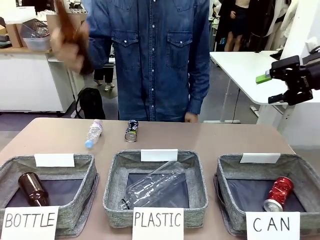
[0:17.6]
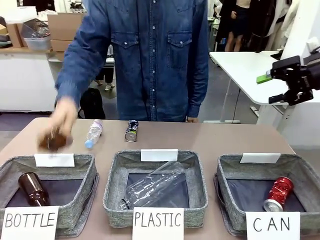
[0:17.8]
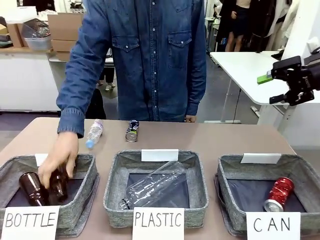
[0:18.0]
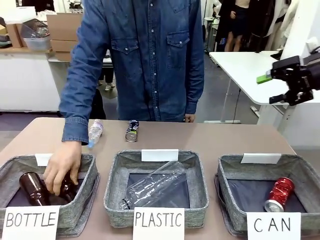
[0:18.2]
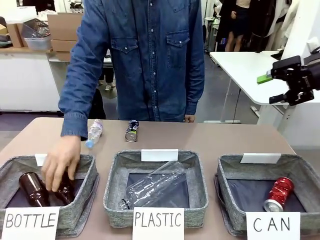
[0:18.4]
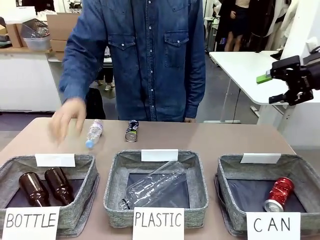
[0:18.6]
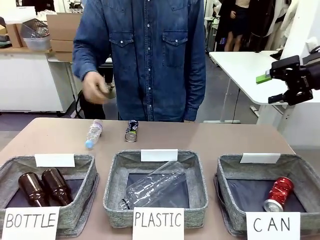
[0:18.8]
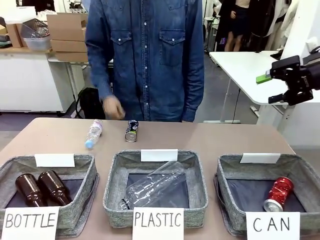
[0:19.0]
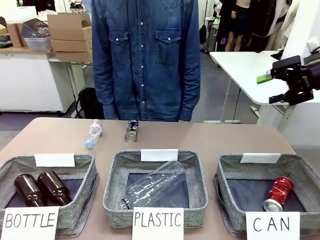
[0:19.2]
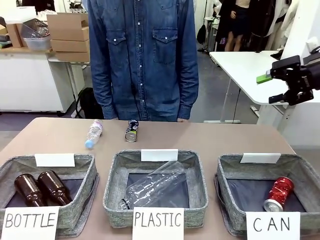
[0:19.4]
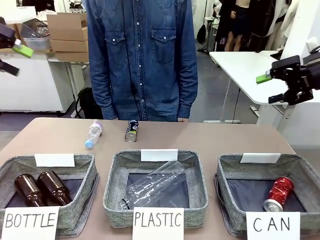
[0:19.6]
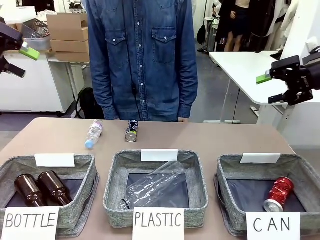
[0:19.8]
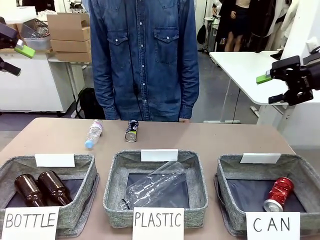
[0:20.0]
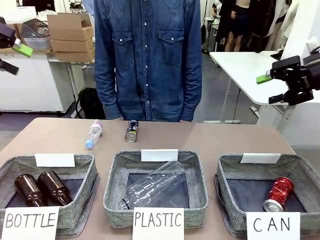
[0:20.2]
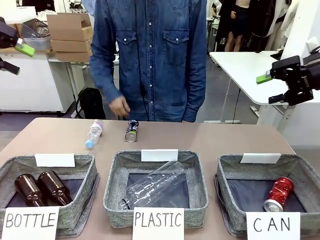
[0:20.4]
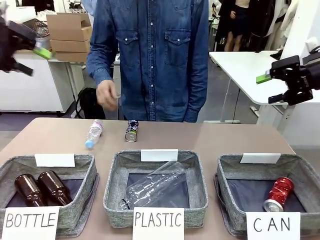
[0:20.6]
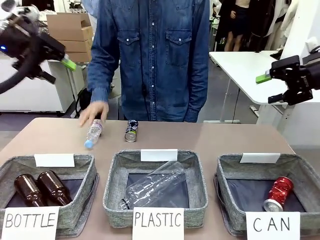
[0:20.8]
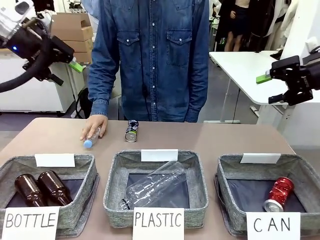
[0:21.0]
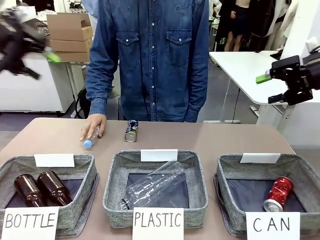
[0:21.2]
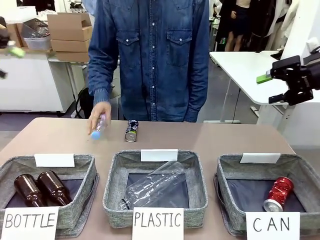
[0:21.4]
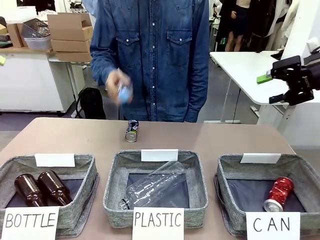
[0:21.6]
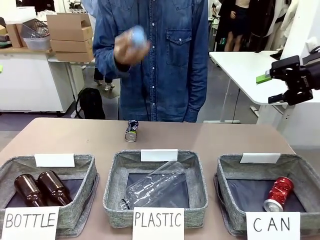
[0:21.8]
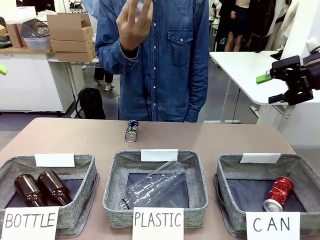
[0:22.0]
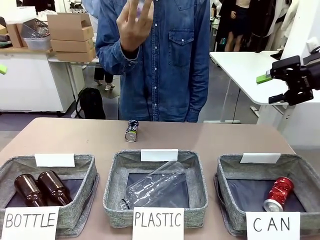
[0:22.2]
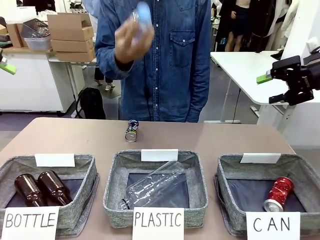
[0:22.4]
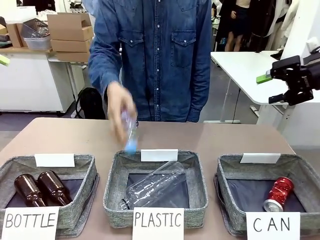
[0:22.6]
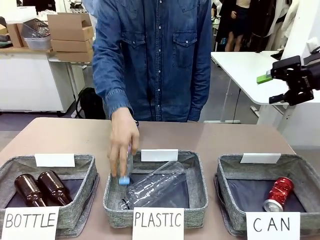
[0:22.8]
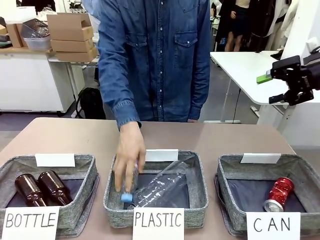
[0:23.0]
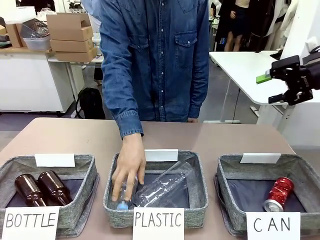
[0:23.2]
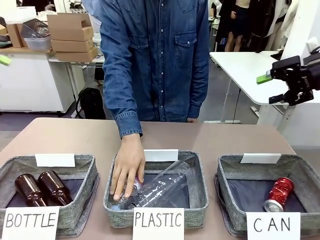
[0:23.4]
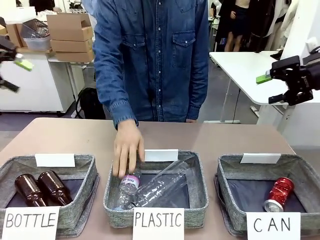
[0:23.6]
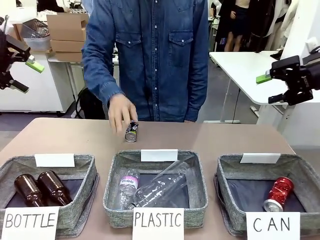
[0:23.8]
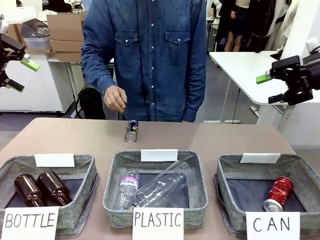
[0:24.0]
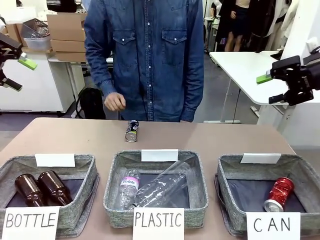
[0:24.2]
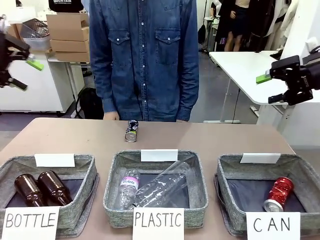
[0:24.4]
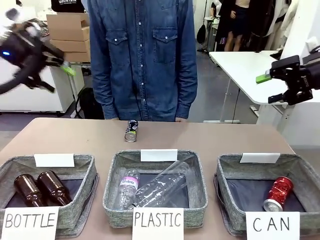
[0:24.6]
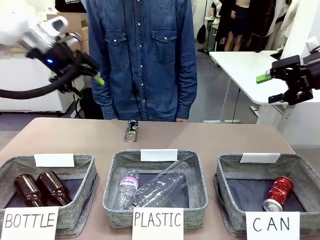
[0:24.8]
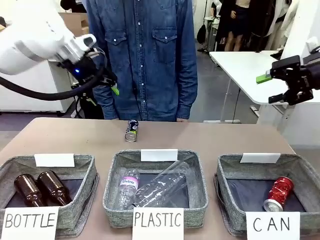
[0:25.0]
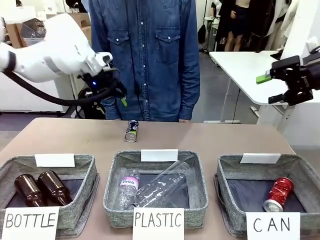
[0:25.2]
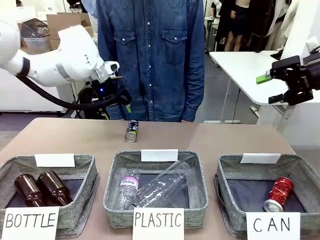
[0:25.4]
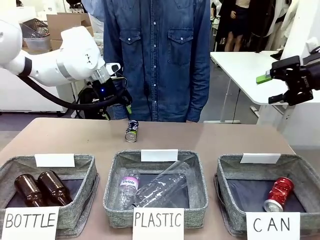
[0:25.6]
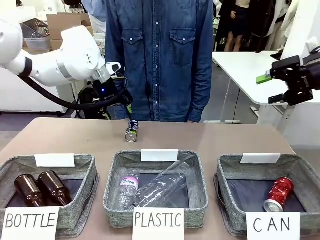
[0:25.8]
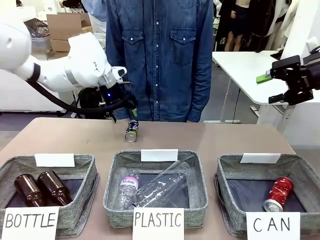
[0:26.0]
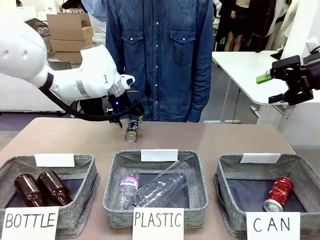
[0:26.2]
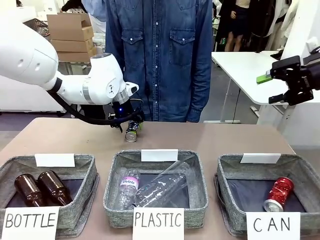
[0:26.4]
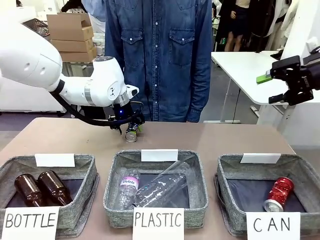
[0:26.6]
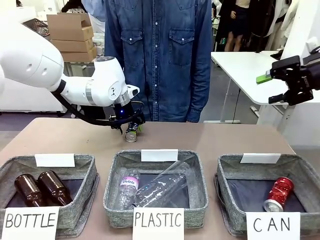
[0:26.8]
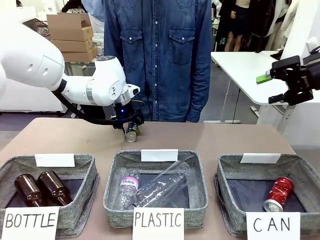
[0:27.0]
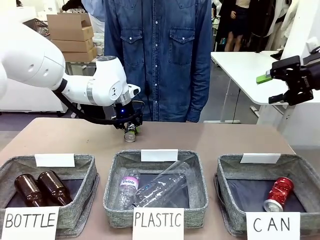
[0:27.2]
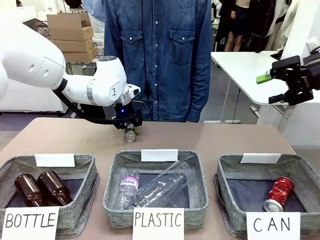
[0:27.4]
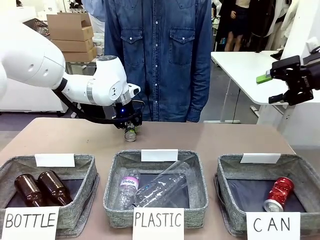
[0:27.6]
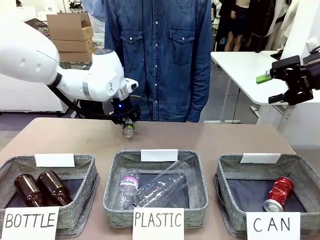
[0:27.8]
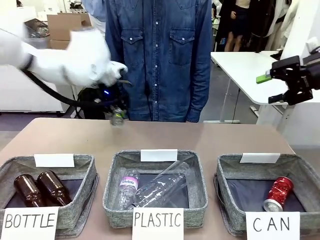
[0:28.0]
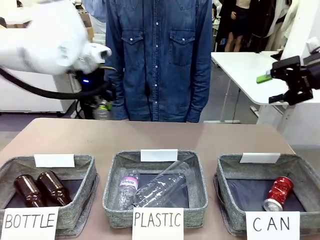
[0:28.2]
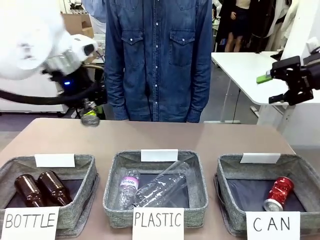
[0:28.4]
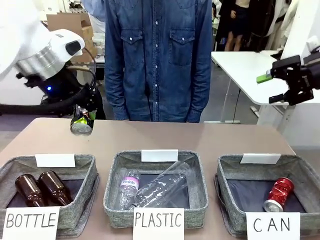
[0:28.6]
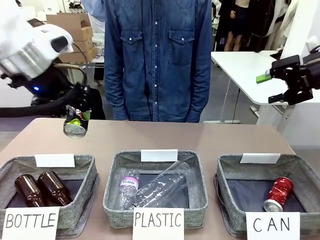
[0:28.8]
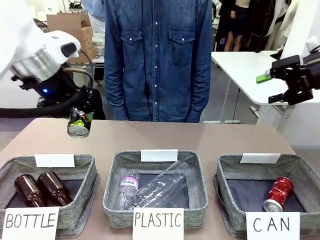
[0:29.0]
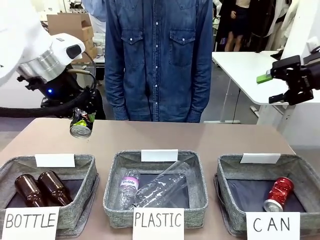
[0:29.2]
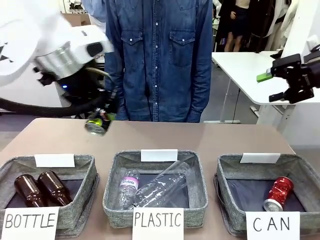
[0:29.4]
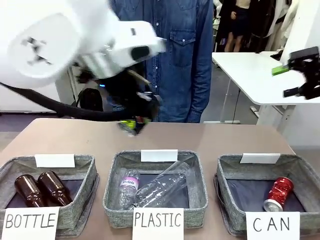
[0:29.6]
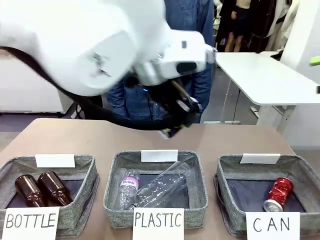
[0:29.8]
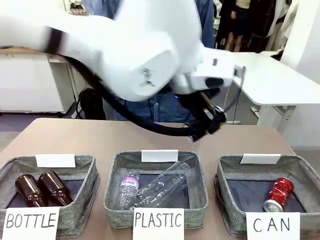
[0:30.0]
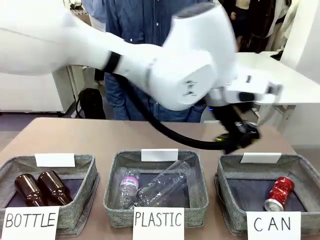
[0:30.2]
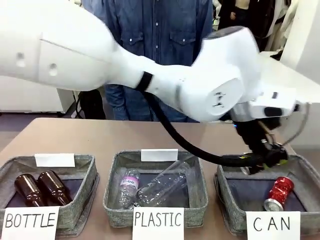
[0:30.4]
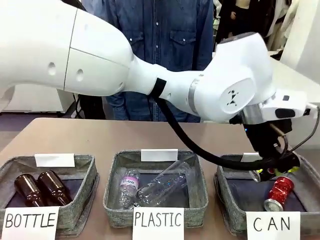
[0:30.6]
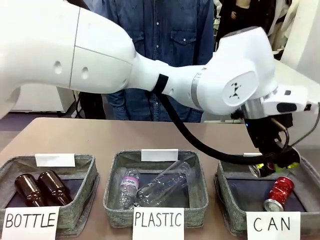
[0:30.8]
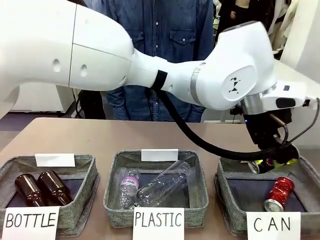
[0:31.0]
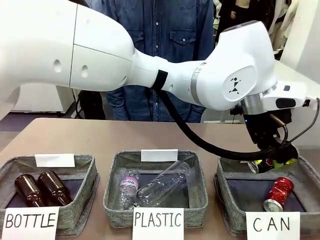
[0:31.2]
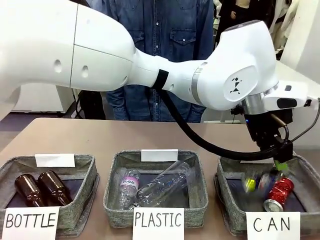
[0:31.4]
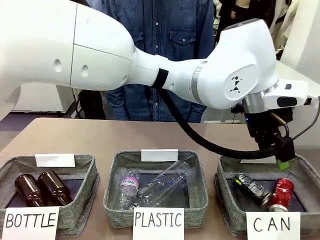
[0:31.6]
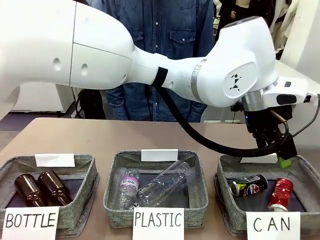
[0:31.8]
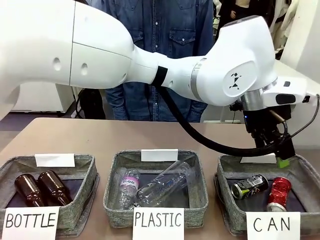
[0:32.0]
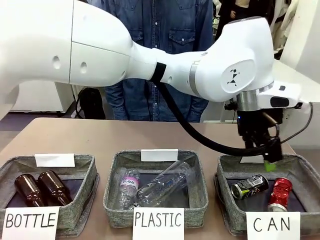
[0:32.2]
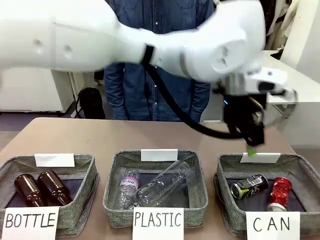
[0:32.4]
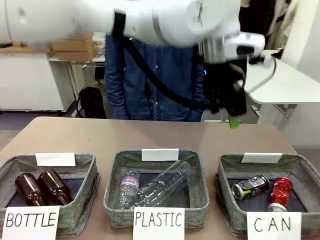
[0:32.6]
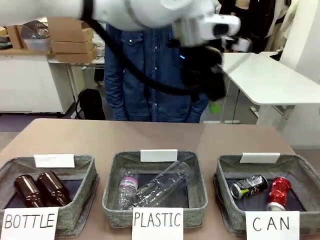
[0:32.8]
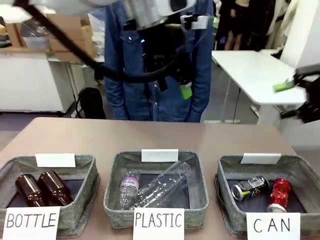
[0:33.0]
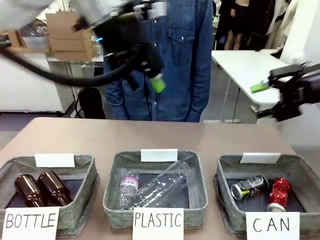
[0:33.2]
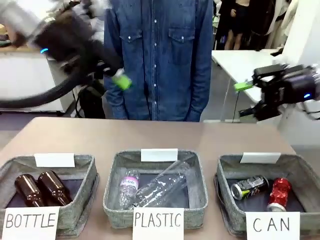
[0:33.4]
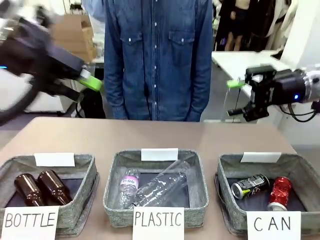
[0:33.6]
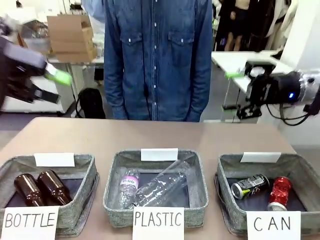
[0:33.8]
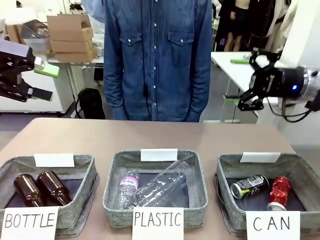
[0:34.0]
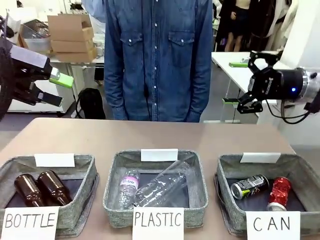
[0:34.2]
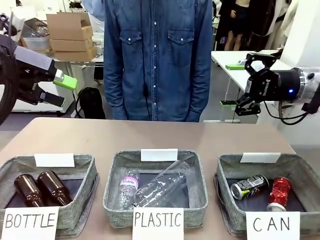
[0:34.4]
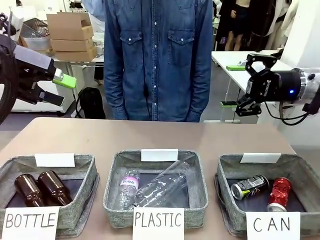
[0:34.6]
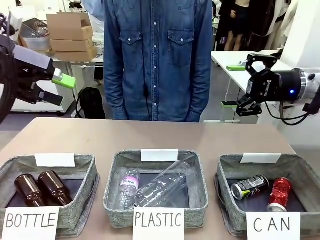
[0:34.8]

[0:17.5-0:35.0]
Task: Sort the can waste into the basket.
Robot: Pick up the can waste from the table and place it in the right Fabric basket.

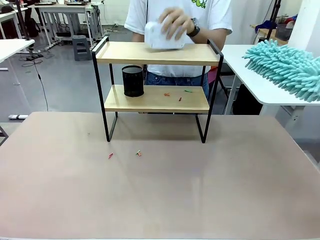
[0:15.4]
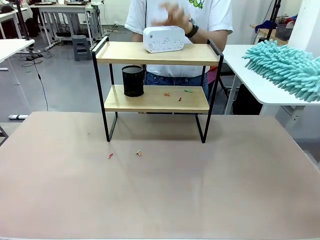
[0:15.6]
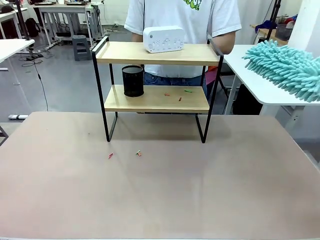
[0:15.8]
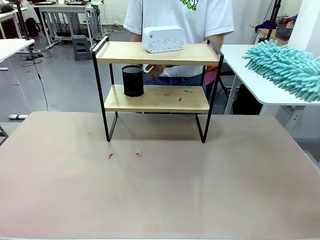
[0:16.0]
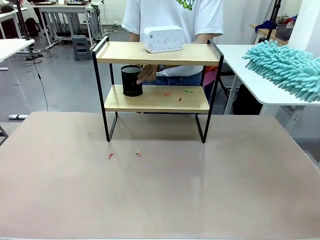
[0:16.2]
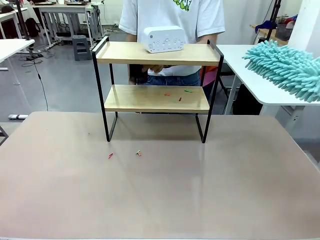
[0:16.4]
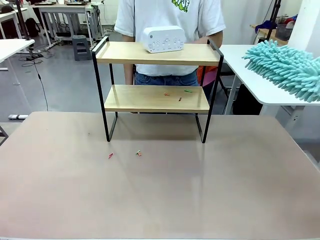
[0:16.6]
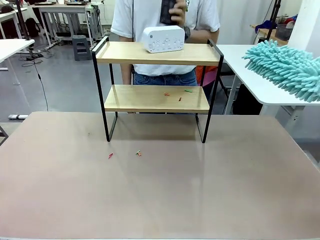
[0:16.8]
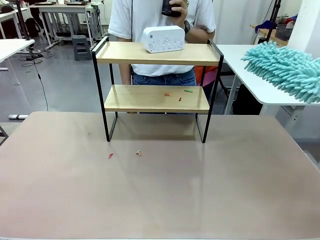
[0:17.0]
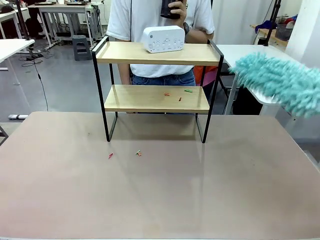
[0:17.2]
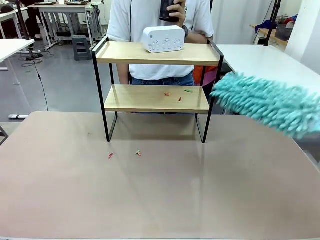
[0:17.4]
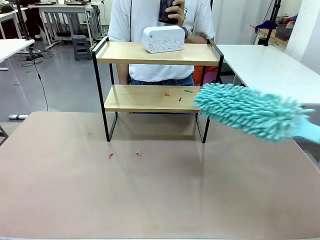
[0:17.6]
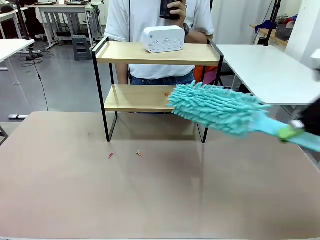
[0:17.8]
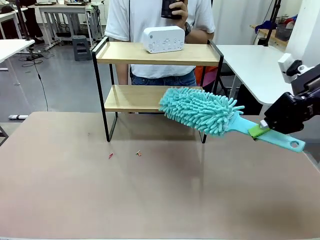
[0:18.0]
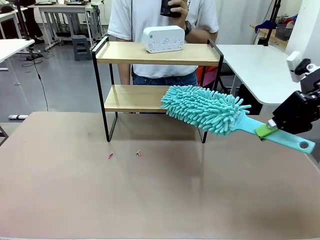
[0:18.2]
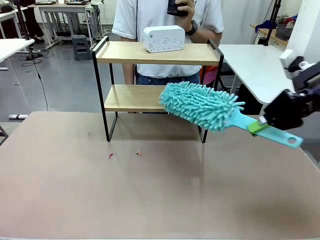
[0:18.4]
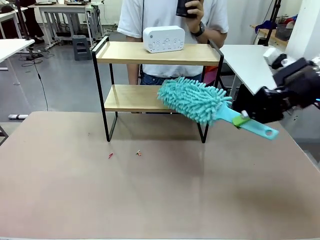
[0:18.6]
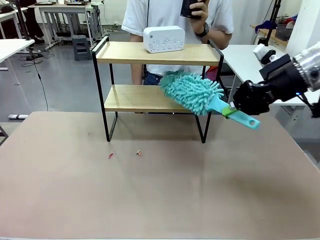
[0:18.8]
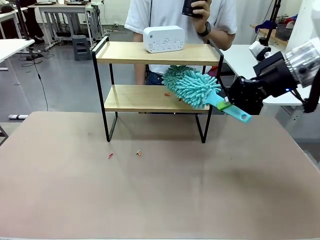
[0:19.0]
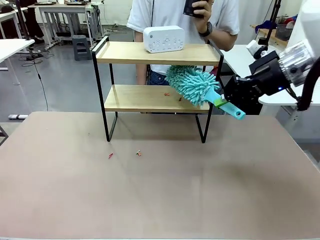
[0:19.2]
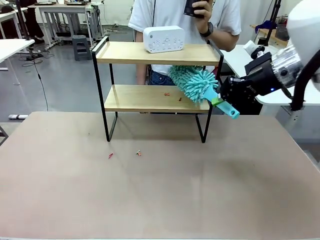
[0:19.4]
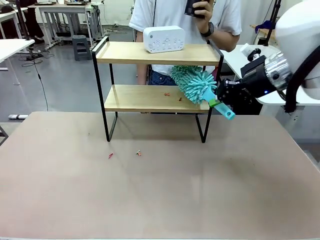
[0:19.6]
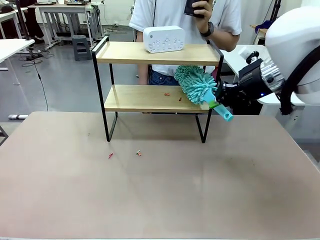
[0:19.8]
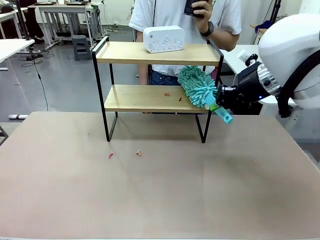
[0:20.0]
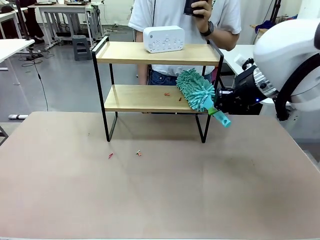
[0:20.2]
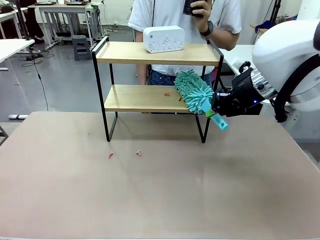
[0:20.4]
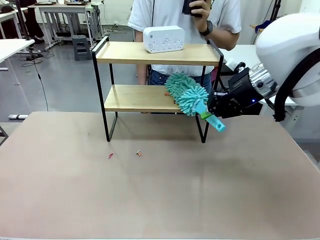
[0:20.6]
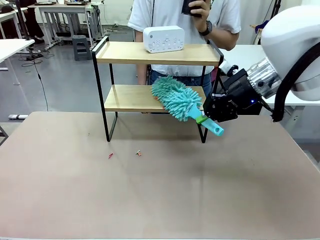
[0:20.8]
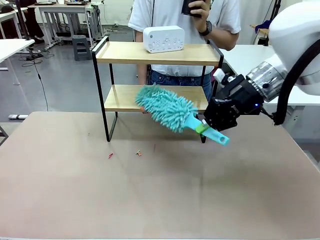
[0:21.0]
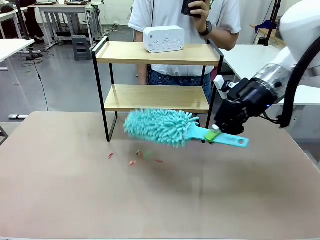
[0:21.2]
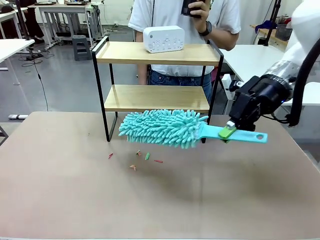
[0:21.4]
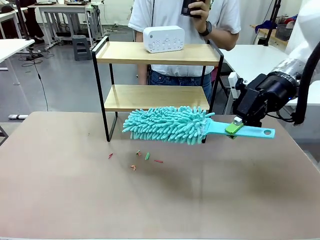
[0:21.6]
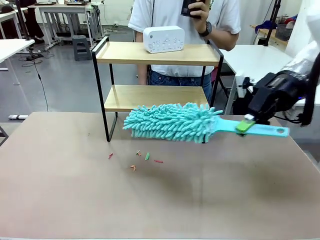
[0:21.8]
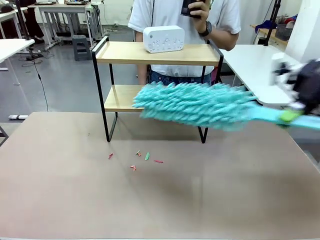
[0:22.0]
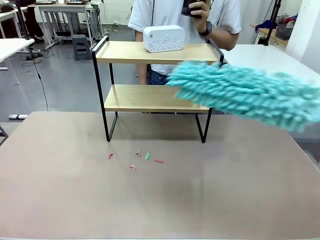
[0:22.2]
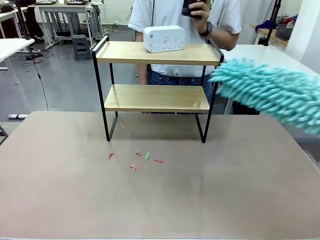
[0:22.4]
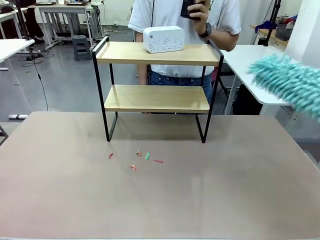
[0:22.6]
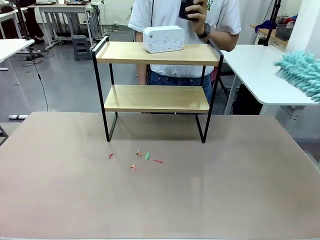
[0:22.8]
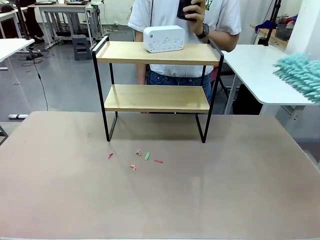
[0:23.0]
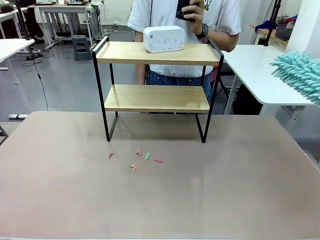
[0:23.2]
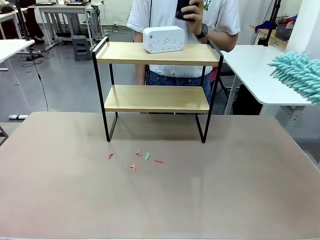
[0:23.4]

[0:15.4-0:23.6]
Task: Clean the shelf.
Robot: Clean the remaining tier of the Shelf with the Duster once objects are removed.
